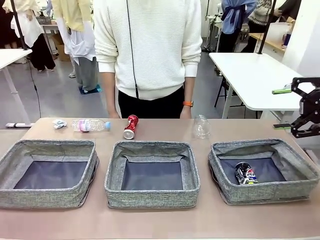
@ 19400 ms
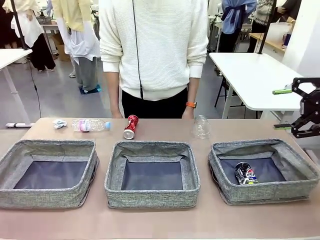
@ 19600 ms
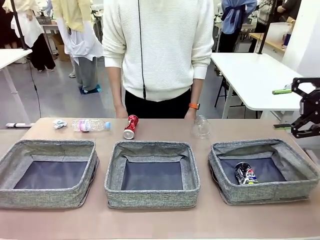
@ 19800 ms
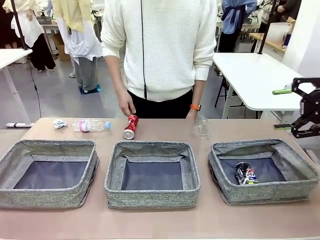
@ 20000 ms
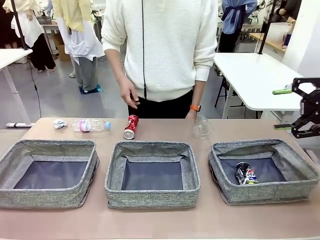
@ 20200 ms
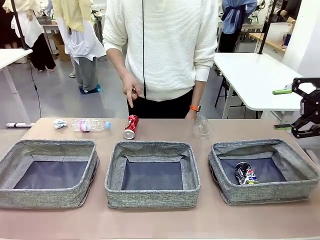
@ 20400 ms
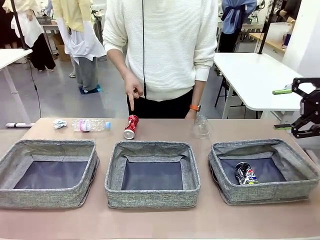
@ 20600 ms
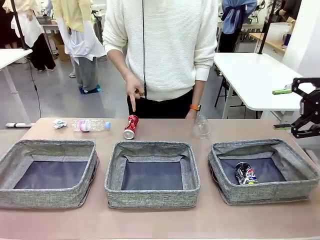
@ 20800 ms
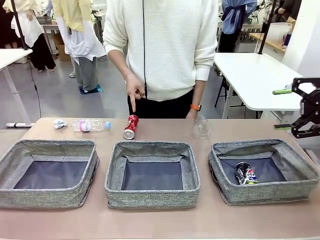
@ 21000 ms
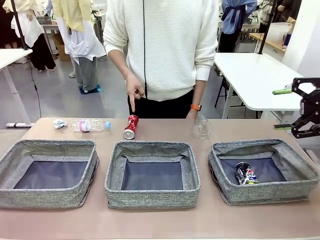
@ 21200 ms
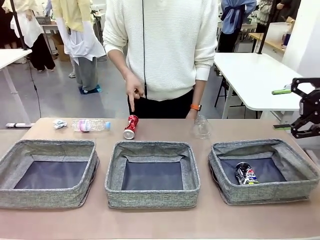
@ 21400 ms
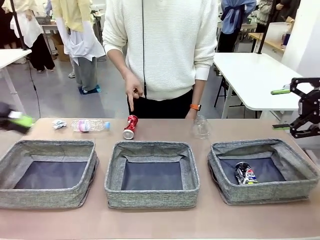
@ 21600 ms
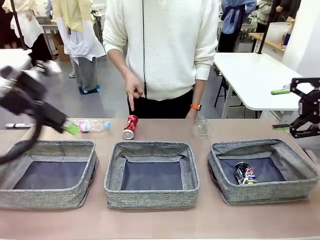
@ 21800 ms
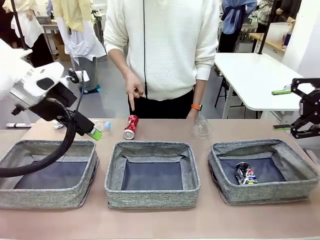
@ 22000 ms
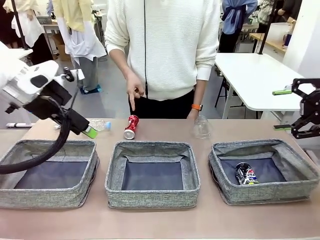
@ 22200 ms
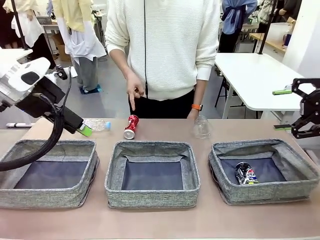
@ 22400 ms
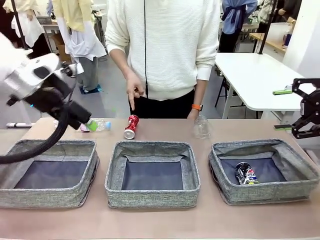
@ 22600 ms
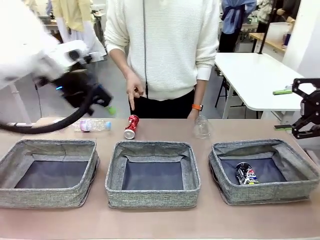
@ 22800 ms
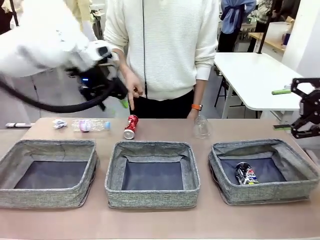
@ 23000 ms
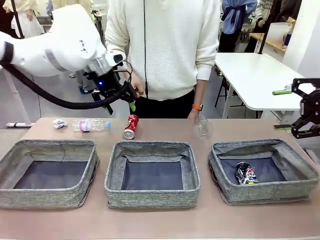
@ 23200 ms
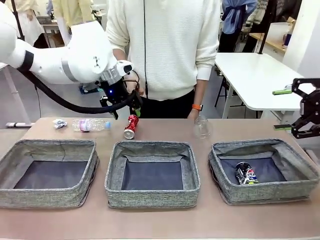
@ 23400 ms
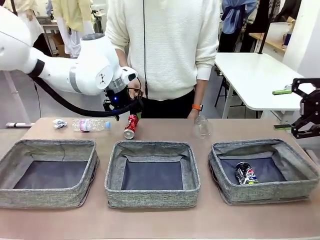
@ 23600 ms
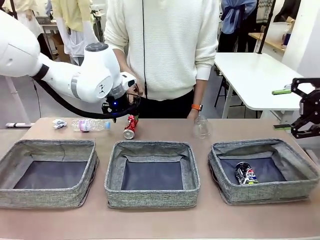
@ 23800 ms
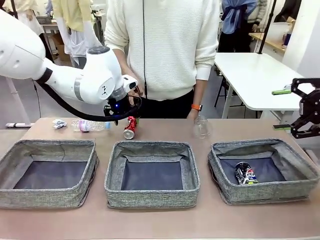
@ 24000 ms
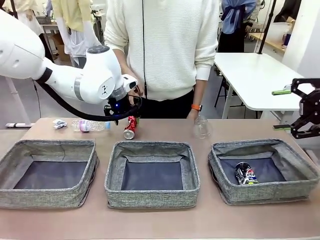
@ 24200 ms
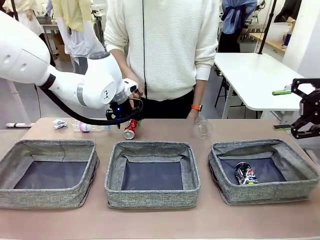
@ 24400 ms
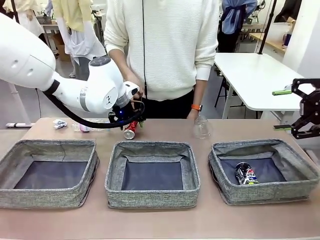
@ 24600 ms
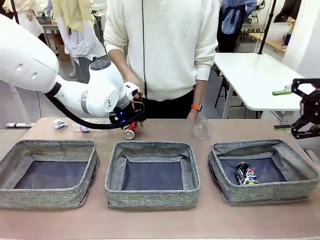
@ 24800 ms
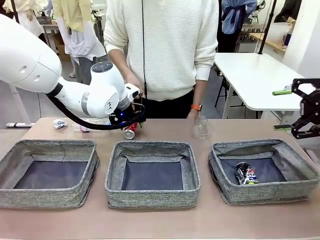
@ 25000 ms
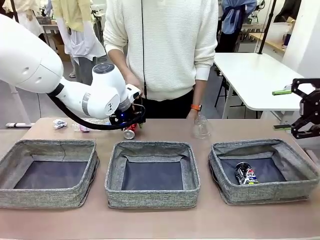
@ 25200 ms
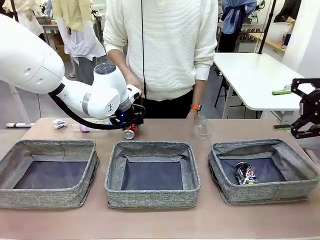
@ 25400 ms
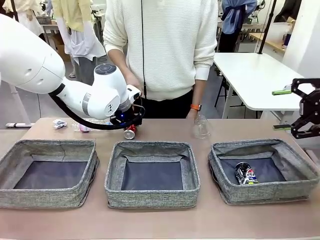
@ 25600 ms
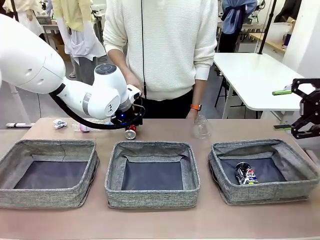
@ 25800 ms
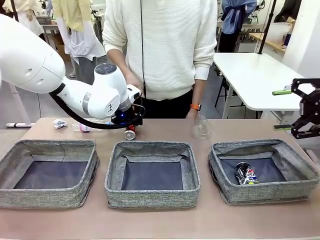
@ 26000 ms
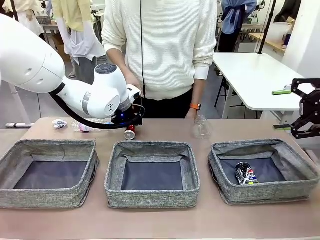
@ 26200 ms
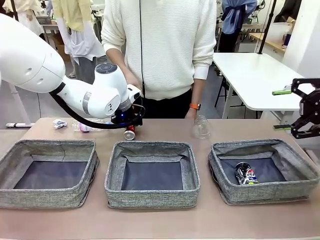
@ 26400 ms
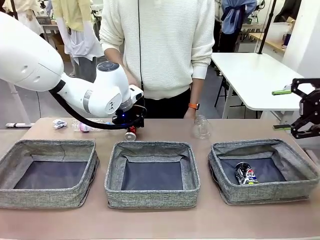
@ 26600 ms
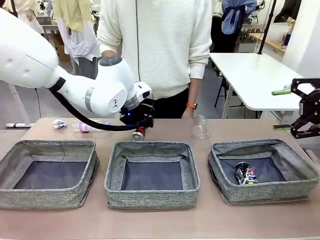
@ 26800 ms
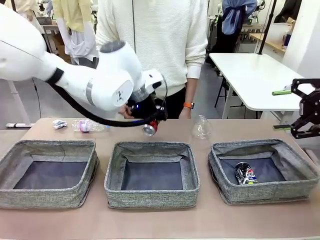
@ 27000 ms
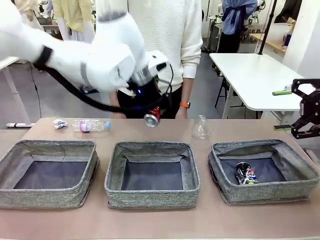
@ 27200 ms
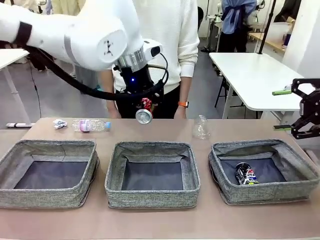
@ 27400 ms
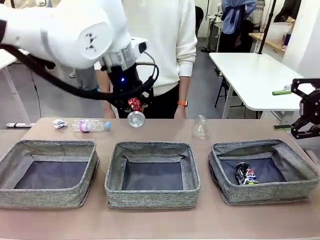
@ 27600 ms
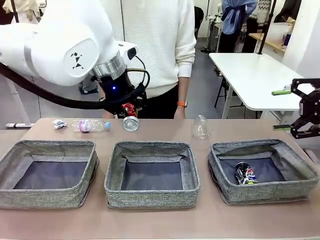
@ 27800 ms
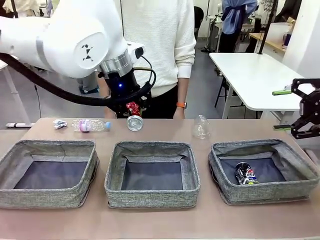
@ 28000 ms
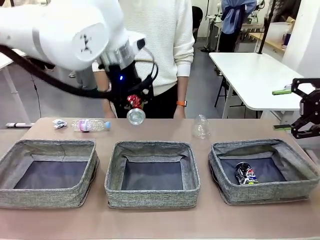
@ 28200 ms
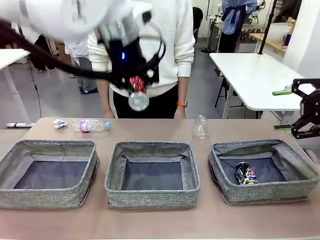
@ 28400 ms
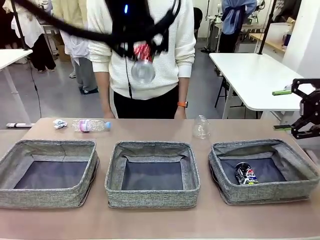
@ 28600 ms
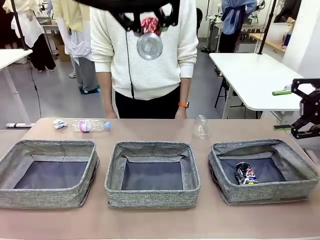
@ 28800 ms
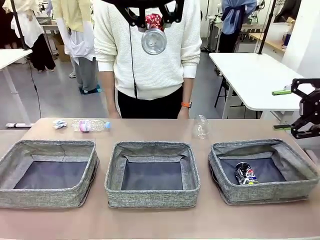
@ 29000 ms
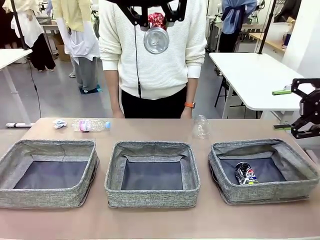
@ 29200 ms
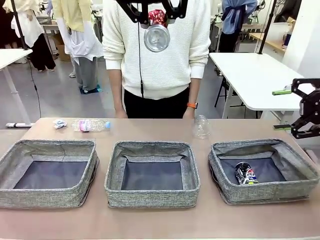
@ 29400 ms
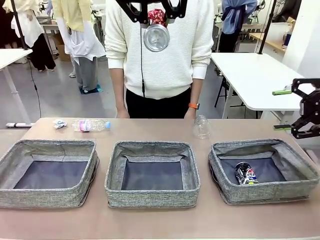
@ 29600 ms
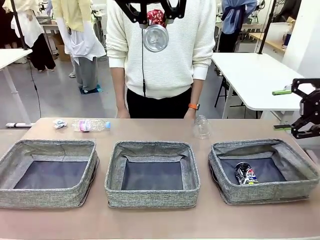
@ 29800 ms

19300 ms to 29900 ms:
Task: Sort the waste into the appropriate baskets.
Robot: Pick up the waste item pointed out by the person.
Person: Points to one piece of trash on the table.

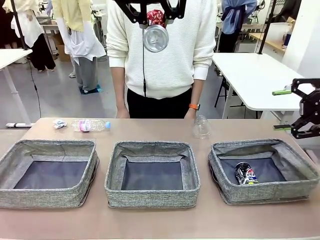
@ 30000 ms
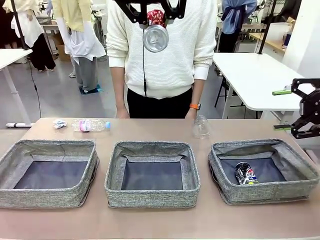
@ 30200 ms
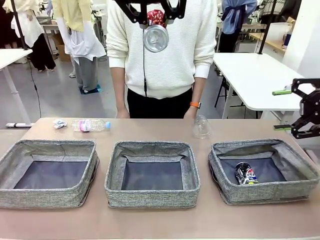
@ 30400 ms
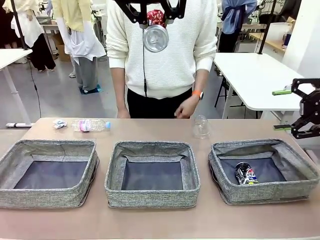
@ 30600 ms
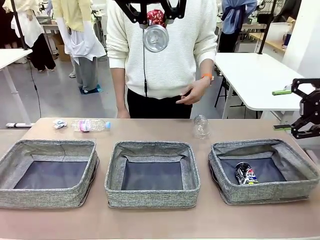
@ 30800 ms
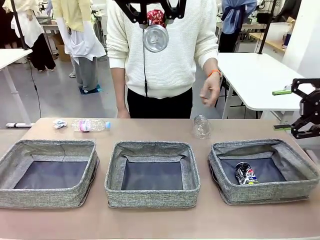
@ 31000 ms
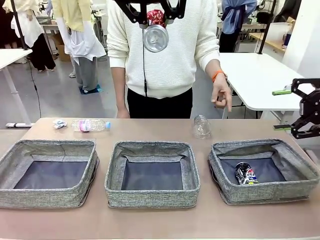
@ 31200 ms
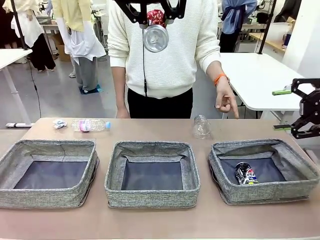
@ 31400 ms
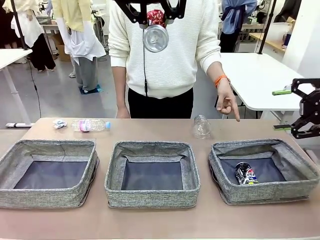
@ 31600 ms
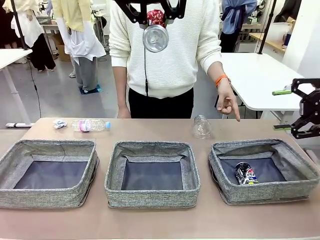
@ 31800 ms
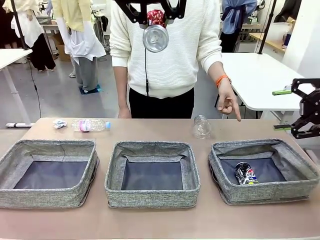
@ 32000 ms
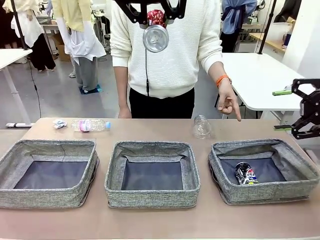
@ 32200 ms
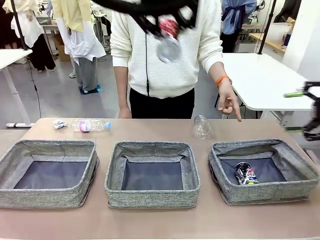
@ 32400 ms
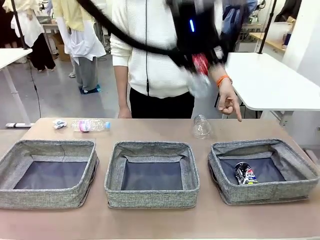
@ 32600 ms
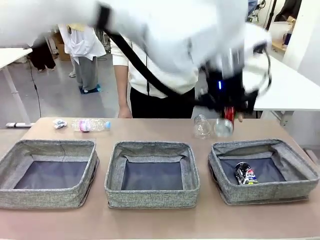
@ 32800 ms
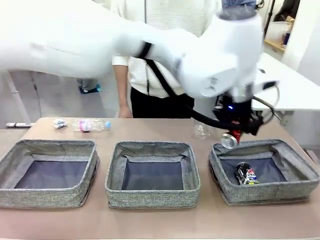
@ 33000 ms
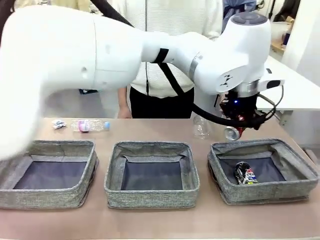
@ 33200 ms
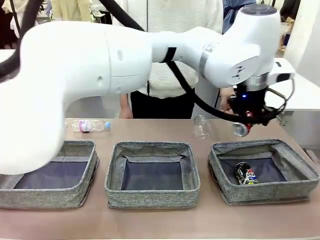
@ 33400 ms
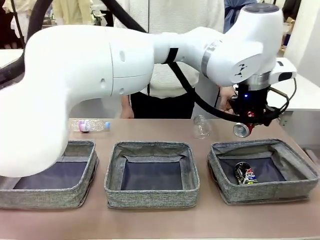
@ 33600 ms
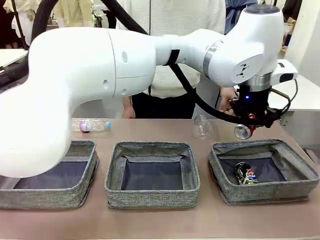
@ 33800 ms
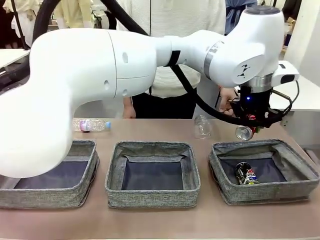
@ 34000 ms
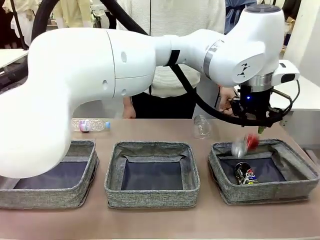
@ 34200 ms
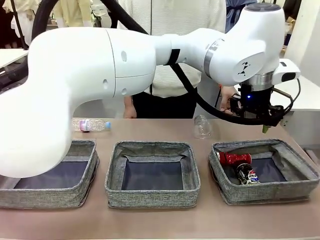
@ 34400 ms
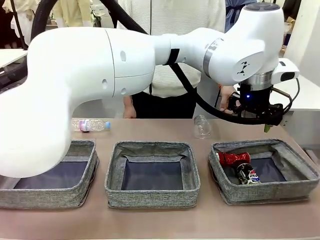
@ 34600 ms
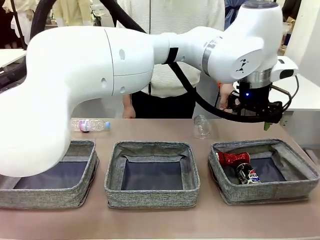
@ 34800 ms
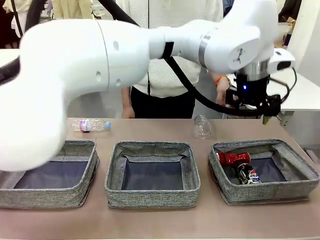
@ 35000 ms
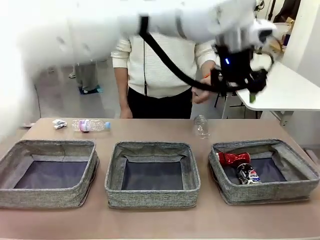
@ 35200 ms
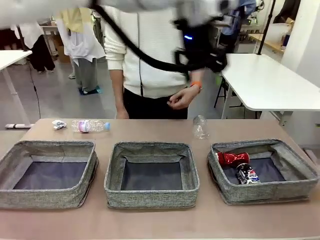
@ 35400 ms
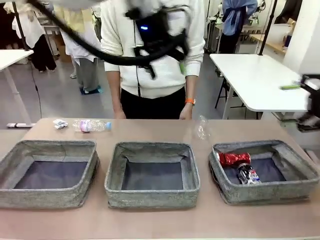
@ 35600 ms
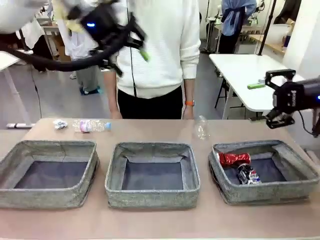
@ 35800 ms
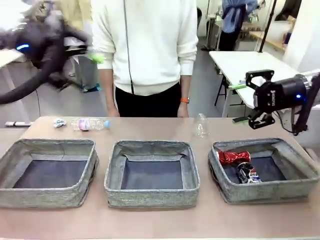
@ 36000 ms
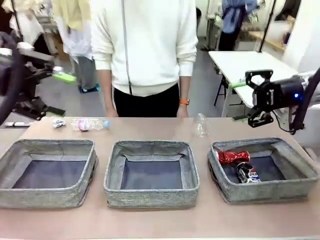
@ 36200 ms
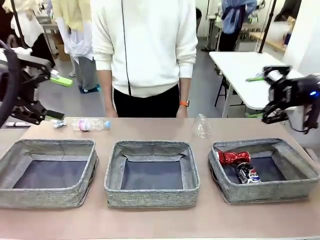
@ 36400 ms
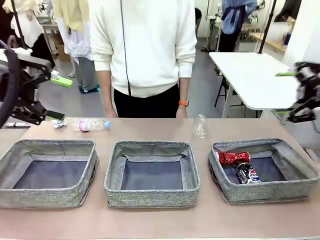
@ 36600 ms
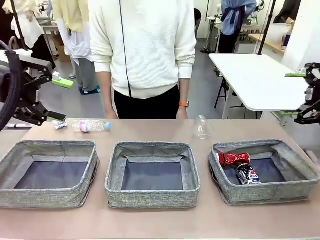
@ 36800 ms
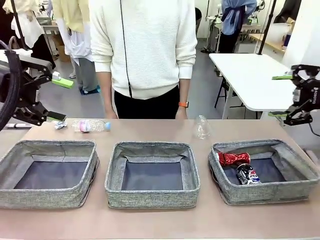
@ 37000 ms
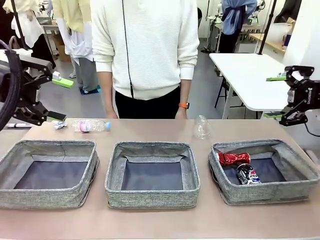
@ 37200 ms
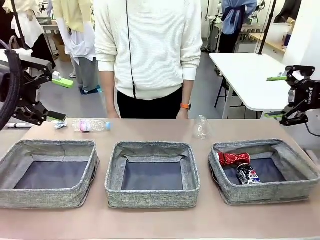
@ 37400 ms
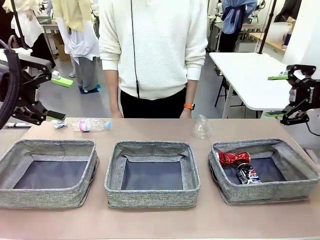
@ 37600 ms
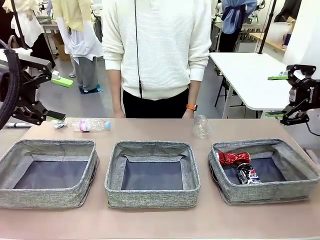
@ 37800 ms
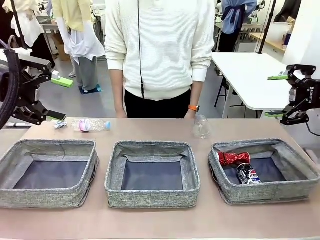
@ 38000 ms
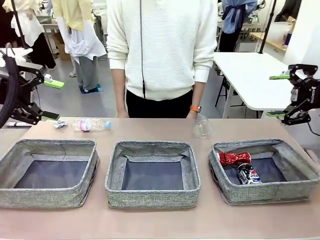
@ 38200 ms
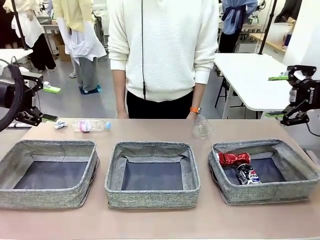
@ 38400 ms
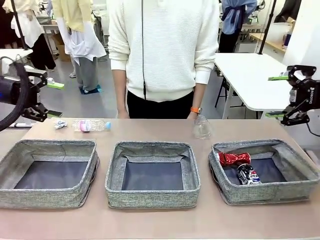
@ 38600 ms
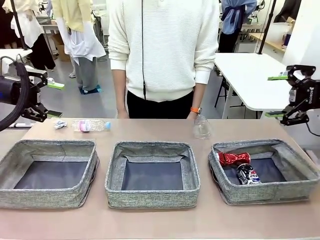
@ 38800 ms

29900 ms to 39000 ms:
Robot: Place the picked waste into the Fabric basket indicated by the person.
Person: Instructs the robot to place the picked-up trash into the appropriate organizing basket.
